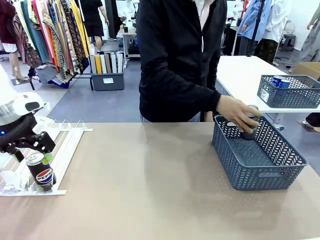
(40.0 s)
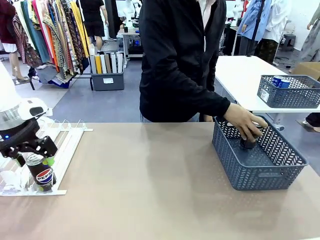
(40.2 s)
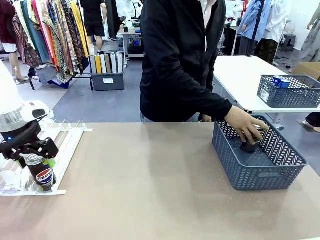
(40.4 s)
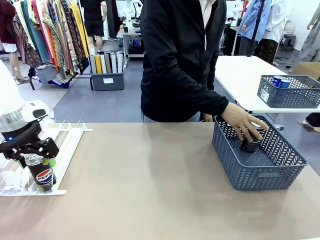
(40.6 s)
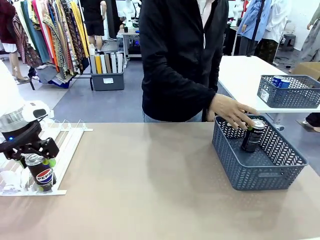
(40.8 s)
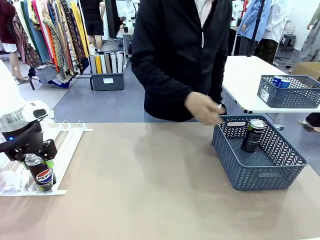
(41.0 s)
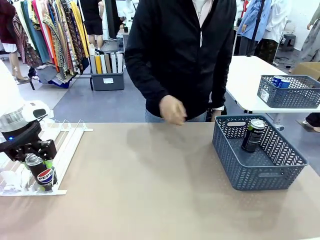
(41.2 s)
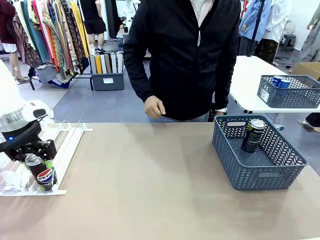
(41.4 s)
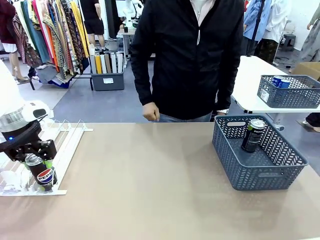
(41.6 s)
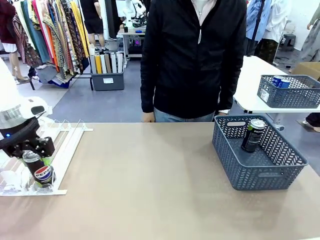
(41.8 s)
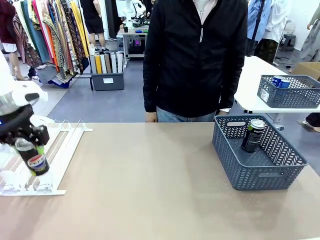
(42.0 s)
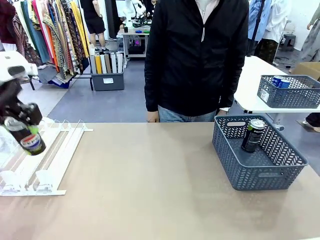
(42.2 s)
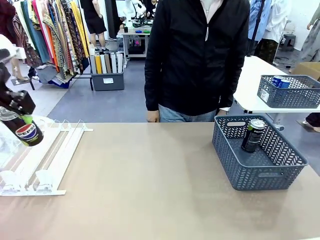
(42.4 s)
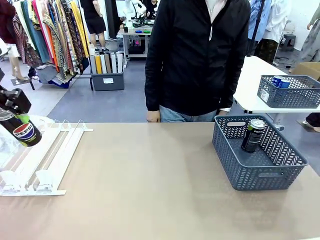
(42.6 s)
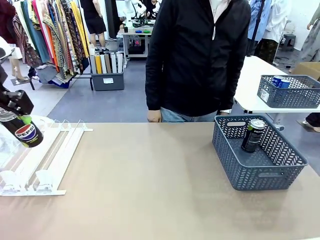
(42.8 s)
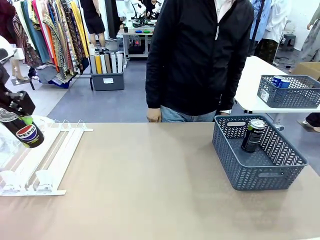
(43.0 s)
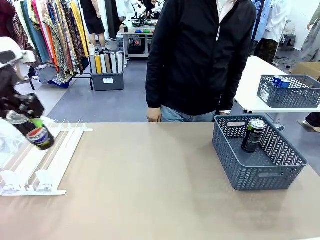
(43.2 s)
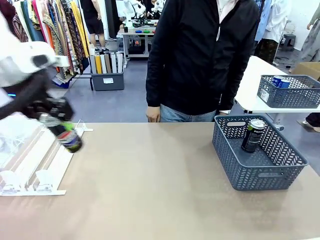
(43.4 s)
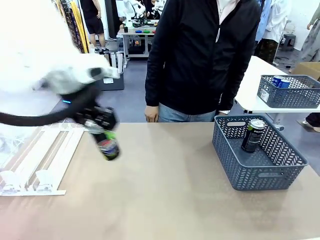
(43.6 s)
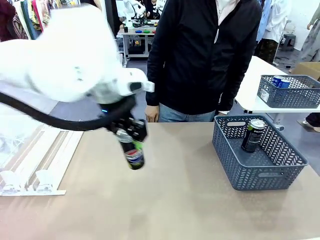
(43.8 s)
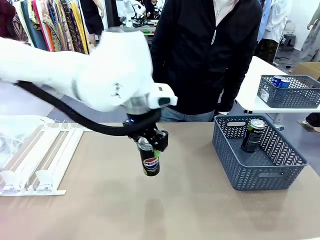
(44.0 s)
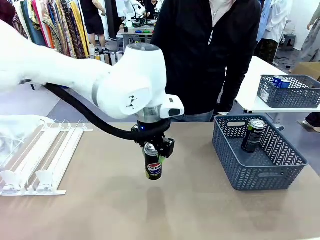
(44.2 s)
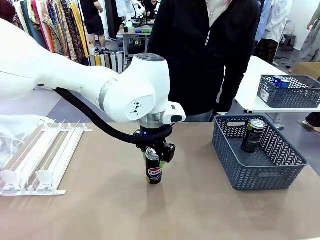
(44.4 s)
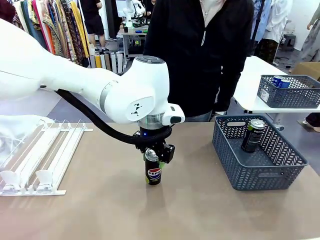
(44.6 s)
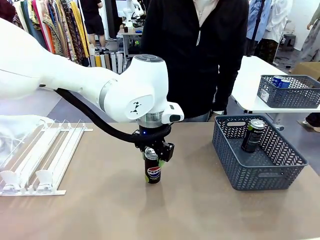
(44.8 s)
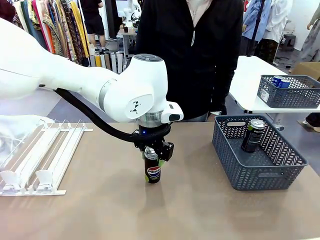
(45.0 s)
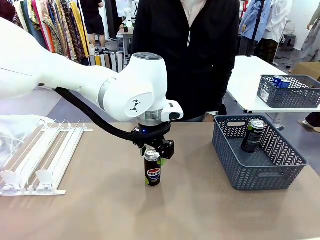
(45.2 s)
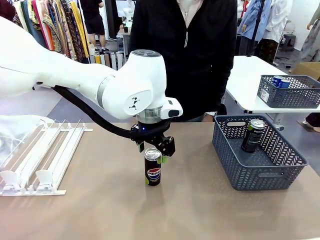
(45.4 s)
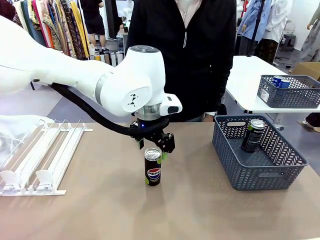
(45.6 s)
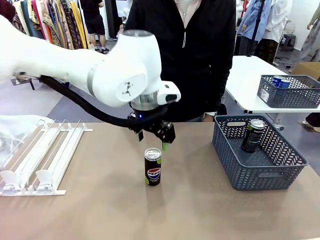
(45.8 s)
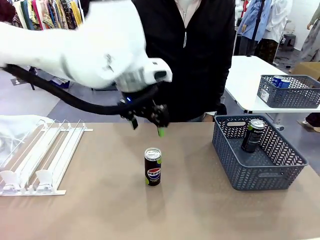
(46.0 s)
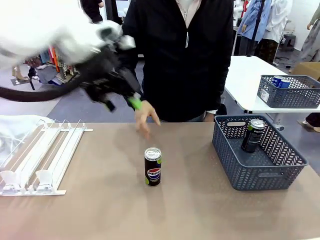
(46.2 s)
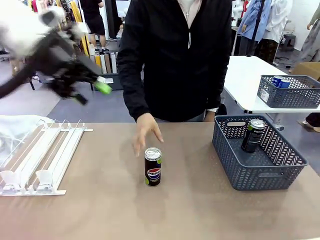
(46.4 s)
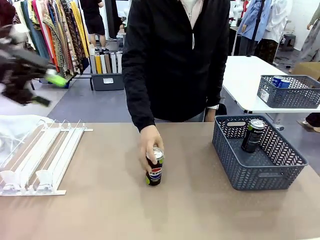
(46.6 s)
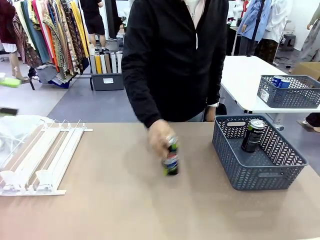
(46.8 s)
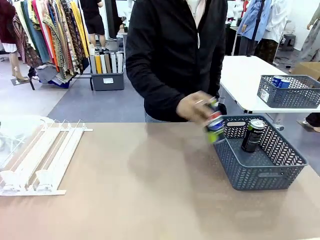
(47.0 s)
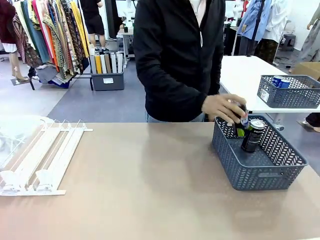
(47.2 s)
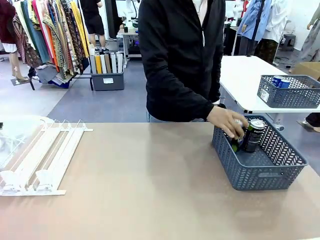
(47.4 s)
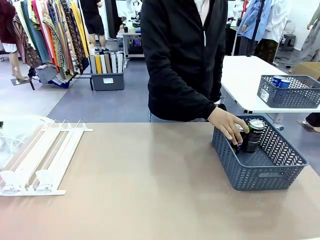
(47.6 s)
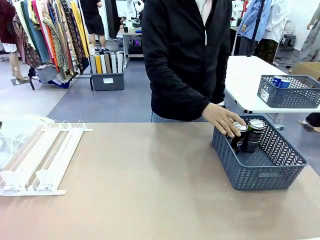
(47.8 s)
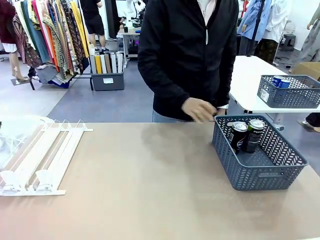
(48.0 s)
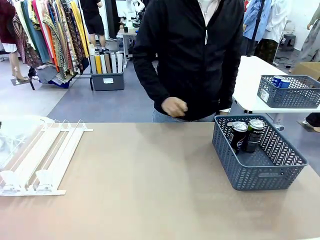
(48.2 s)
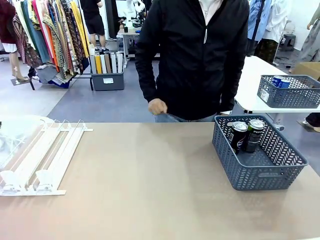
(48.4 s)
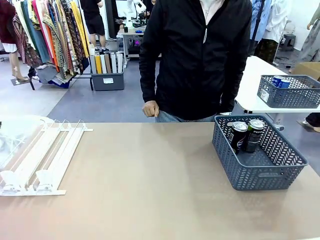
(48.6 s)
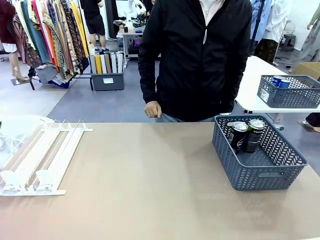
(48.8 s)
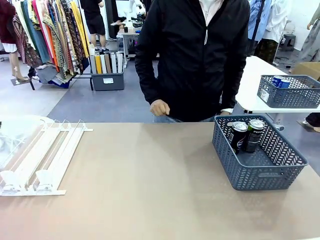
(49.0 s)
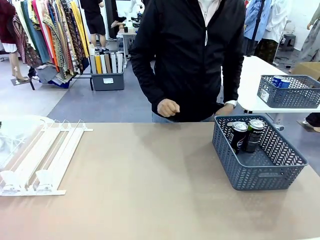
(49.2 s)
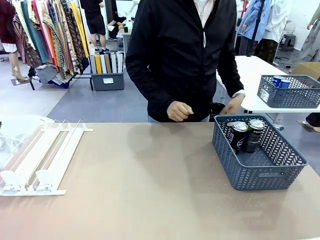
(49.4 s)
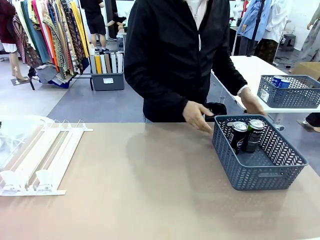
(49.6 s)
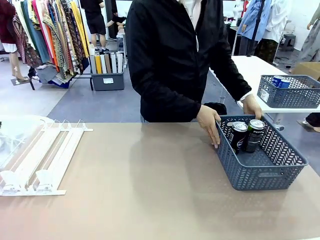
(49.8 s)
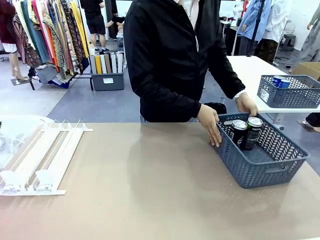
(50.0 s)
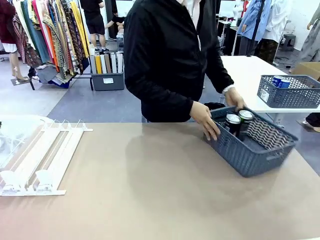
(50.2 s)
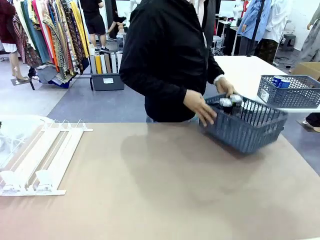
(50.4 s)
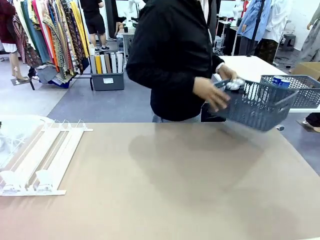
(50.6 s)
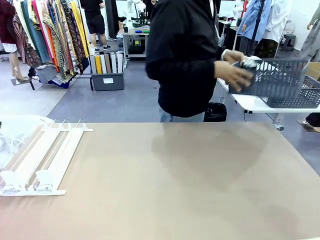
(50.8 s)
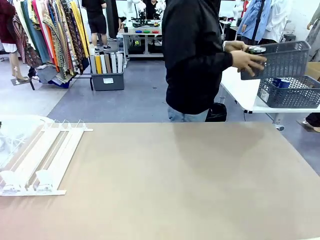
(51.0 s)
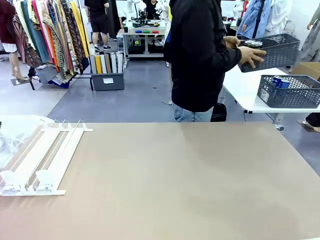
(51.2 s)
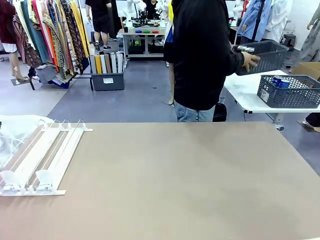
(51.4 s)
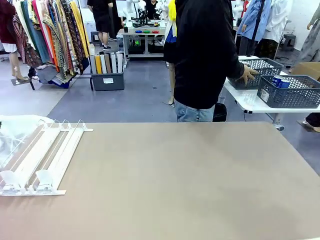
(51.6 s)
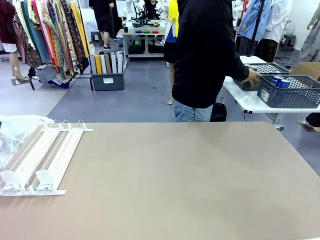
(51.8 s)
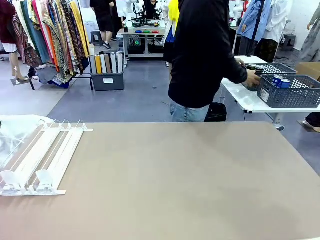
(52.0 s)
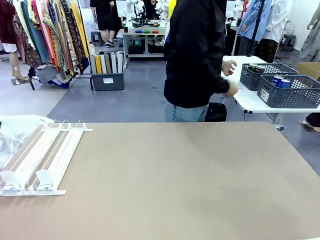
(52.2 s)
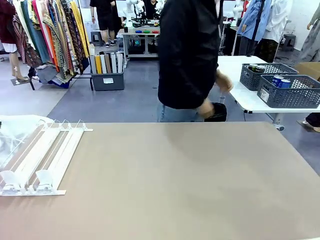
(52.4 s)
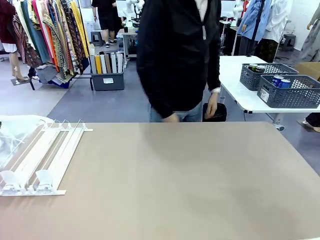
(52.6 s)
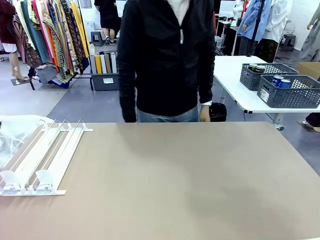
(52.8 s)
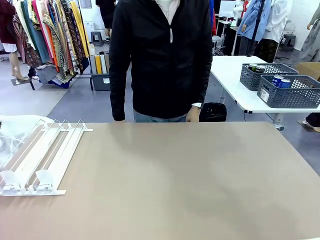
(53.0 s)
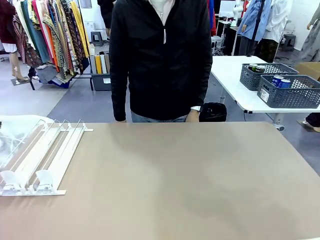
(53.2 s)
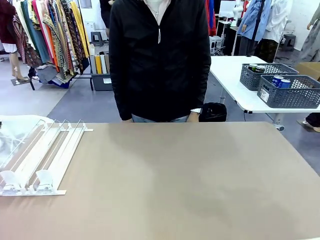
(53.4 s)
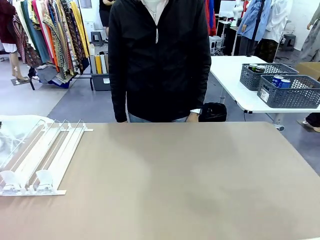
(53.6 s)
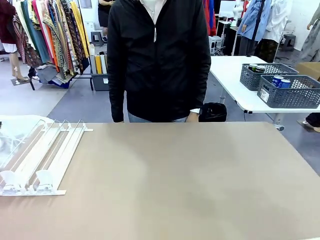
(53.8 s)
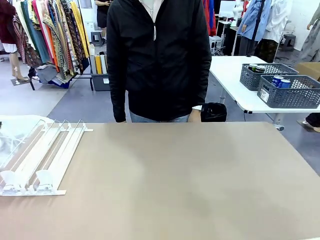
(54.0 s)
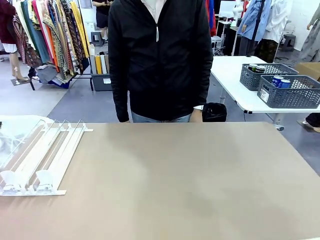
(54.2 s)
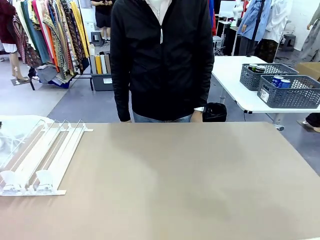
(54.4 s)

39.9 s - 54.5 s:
Task: Retrieve and store the cans from the dispenser.
Robot: Pick up one can from the Automatic Can Dispenser and place it in the middle of the table.
Person: Pick up one sports drink can from the middle of the robot table and place it in the basket. Pick up the basket and place it in the middle of the human table.
